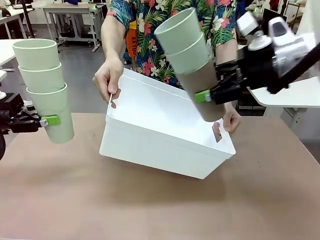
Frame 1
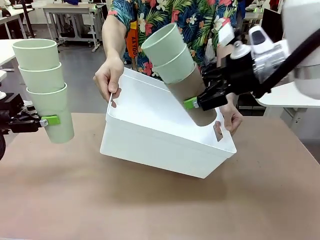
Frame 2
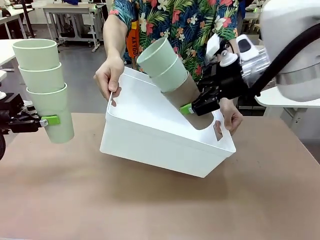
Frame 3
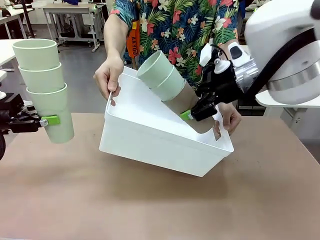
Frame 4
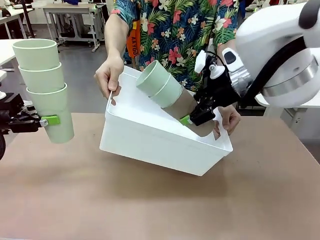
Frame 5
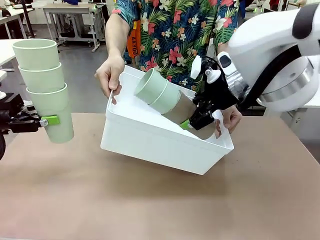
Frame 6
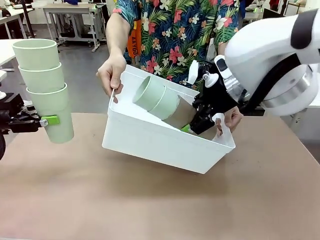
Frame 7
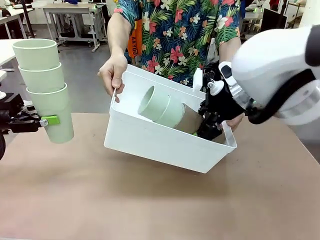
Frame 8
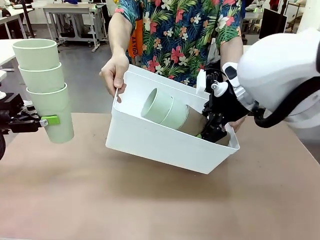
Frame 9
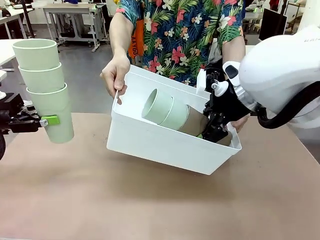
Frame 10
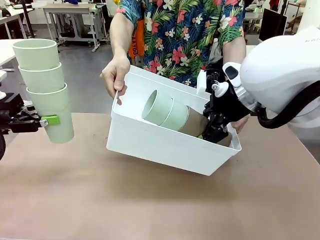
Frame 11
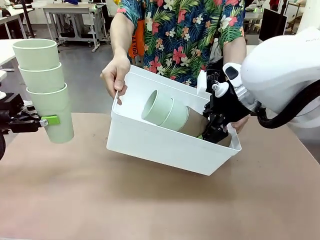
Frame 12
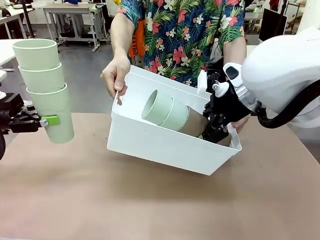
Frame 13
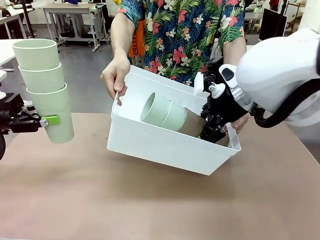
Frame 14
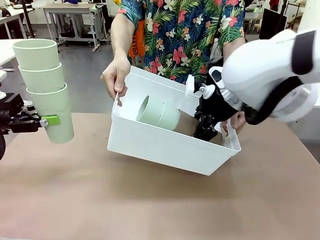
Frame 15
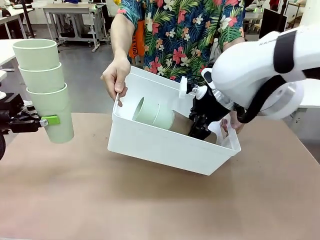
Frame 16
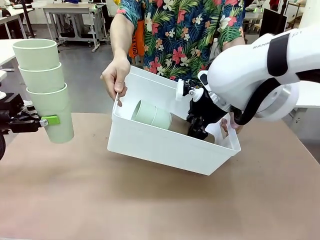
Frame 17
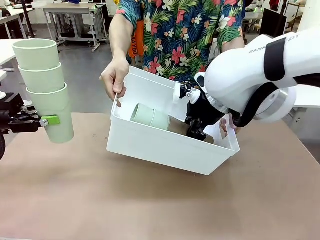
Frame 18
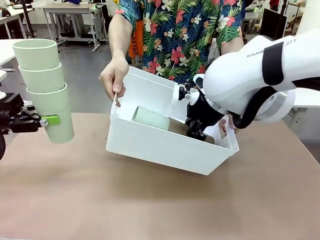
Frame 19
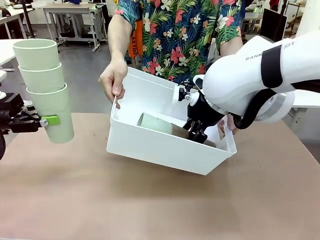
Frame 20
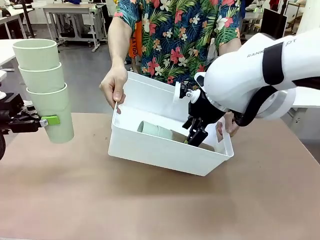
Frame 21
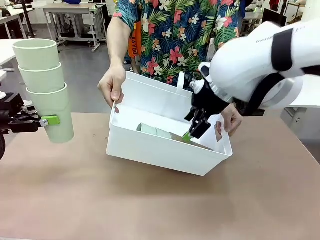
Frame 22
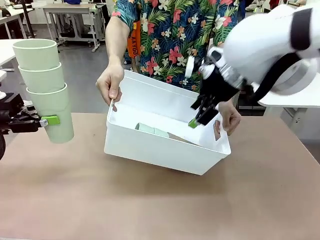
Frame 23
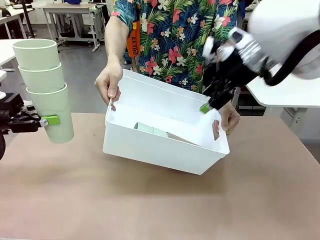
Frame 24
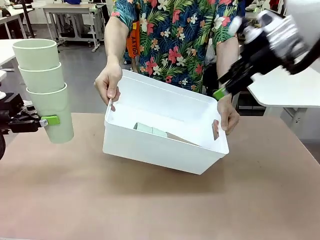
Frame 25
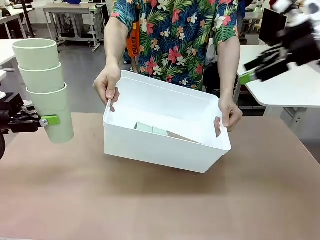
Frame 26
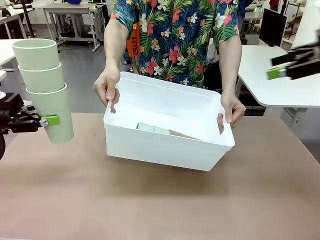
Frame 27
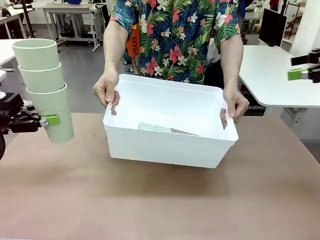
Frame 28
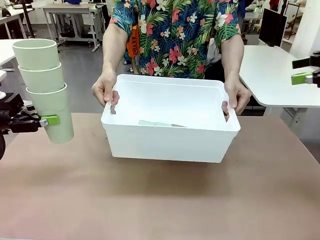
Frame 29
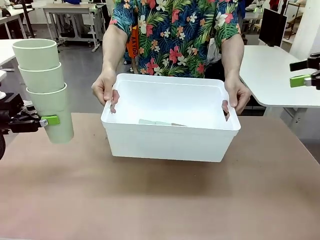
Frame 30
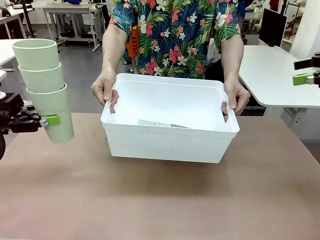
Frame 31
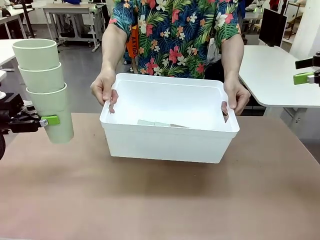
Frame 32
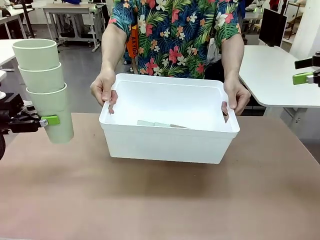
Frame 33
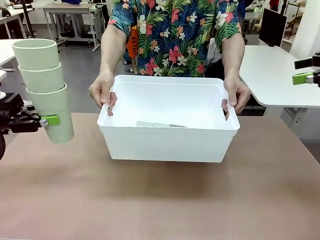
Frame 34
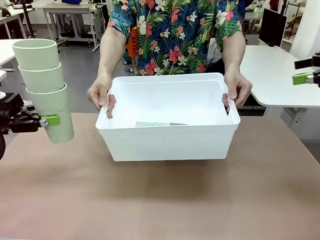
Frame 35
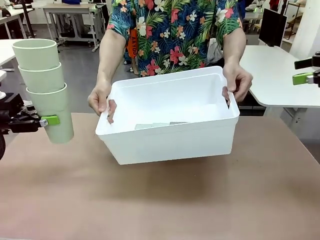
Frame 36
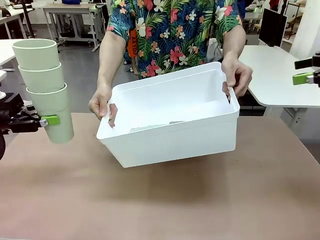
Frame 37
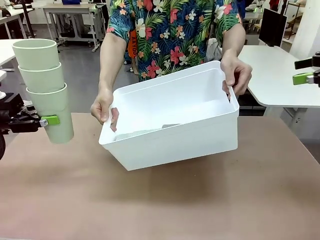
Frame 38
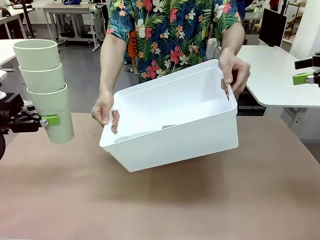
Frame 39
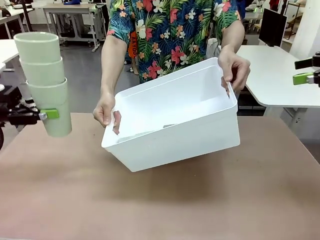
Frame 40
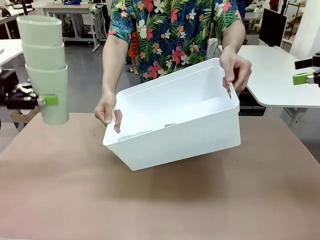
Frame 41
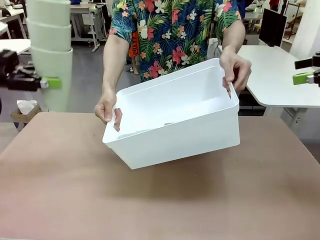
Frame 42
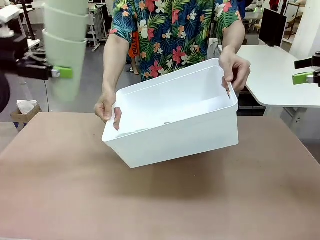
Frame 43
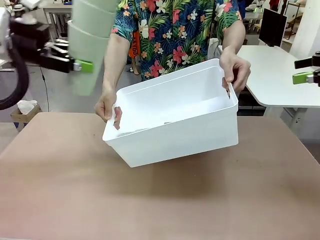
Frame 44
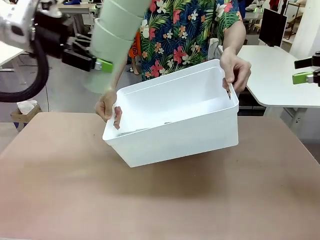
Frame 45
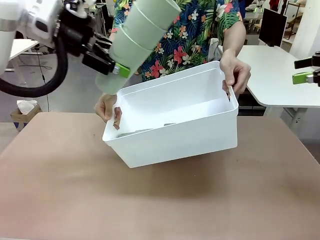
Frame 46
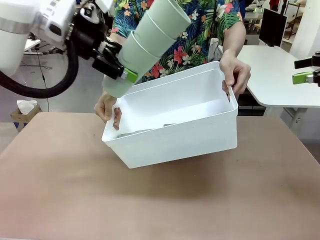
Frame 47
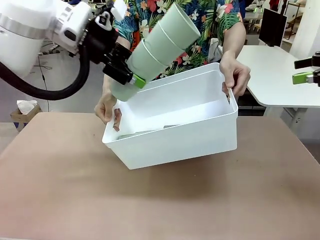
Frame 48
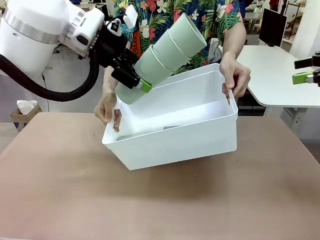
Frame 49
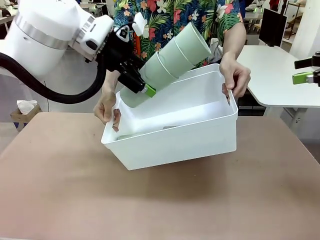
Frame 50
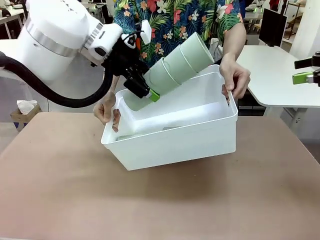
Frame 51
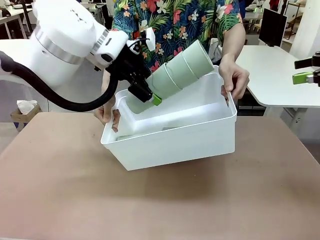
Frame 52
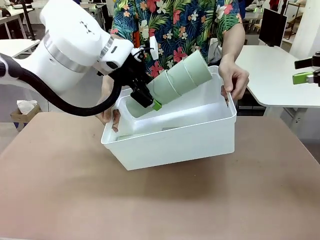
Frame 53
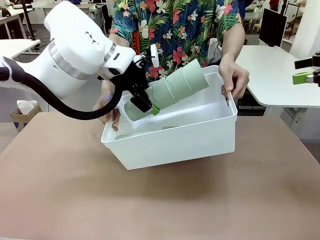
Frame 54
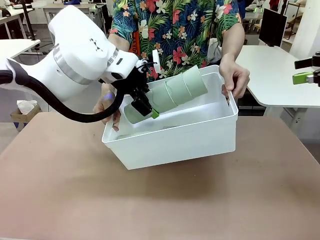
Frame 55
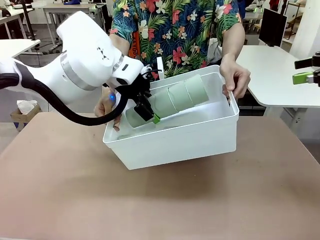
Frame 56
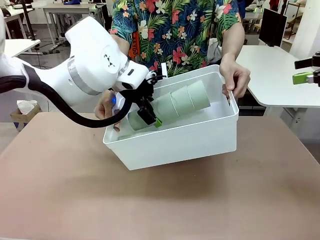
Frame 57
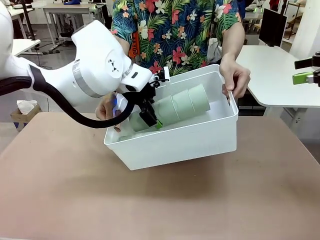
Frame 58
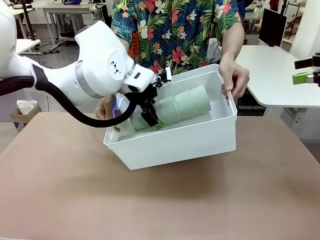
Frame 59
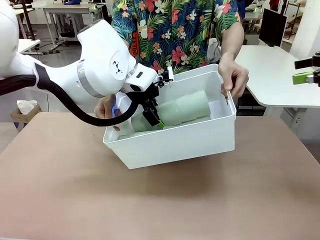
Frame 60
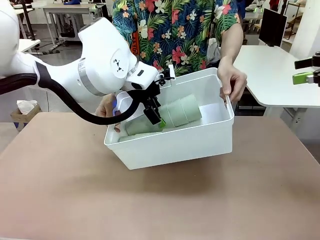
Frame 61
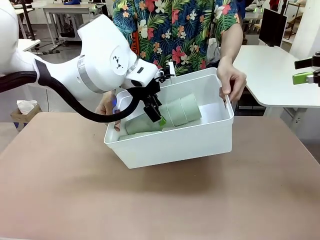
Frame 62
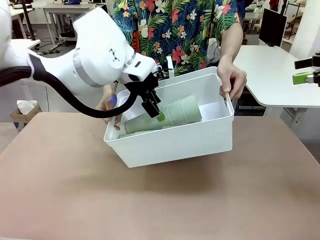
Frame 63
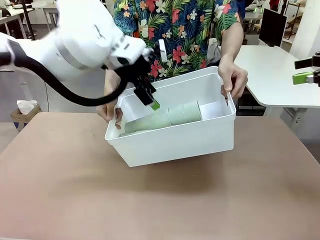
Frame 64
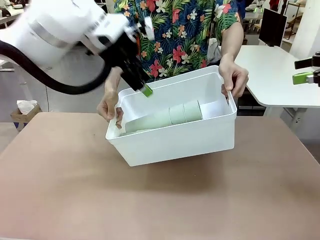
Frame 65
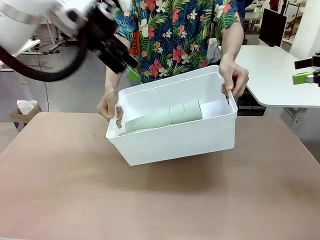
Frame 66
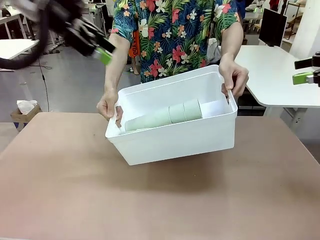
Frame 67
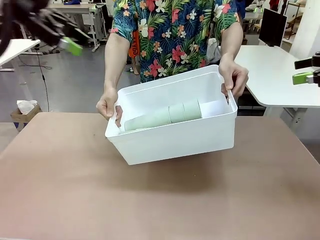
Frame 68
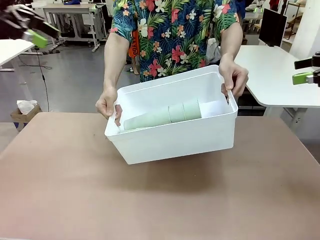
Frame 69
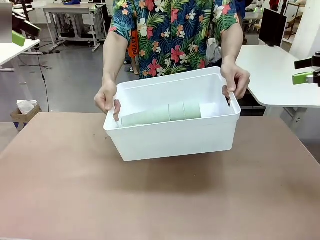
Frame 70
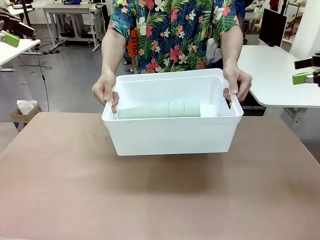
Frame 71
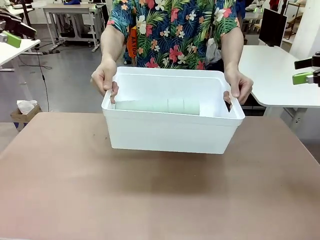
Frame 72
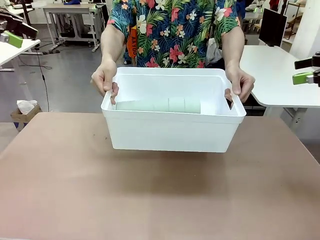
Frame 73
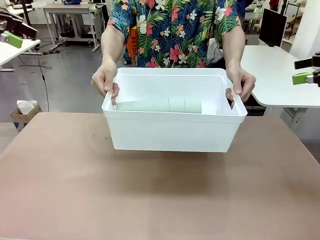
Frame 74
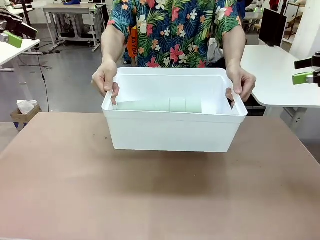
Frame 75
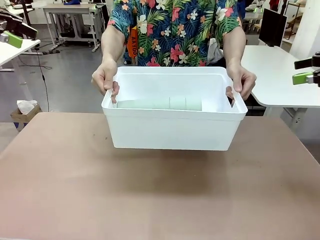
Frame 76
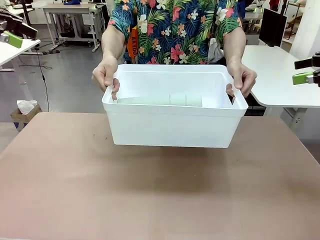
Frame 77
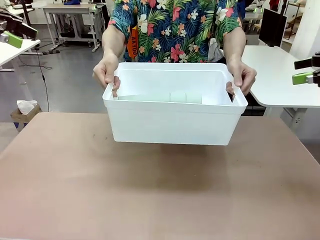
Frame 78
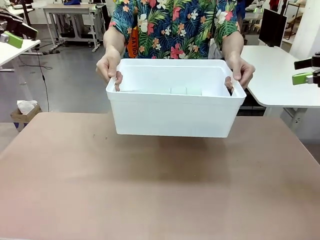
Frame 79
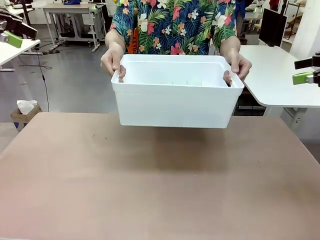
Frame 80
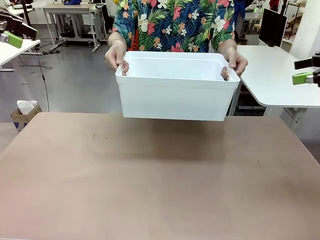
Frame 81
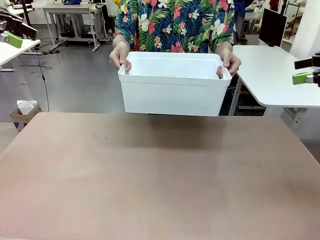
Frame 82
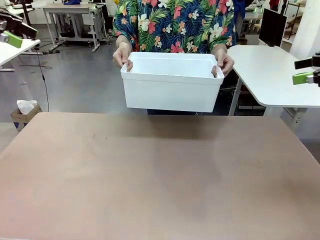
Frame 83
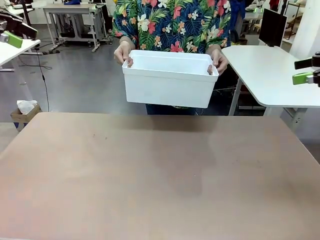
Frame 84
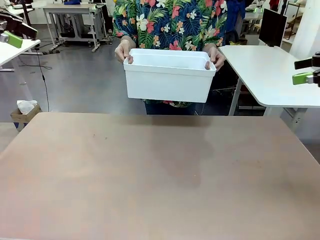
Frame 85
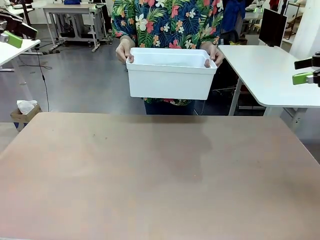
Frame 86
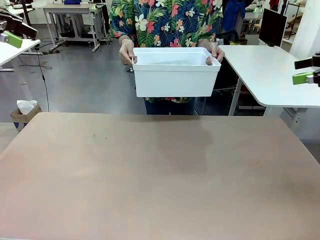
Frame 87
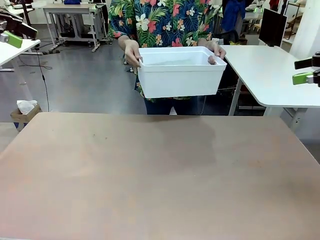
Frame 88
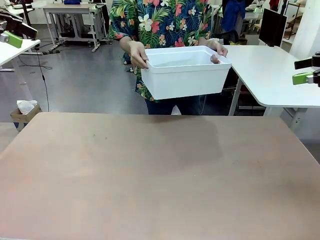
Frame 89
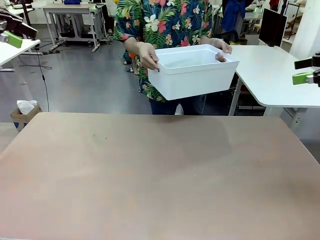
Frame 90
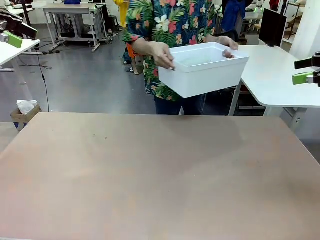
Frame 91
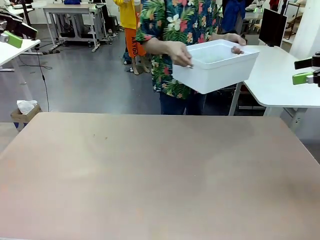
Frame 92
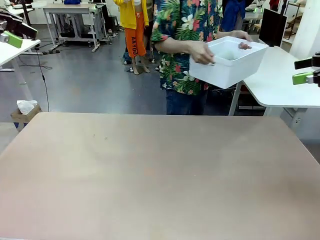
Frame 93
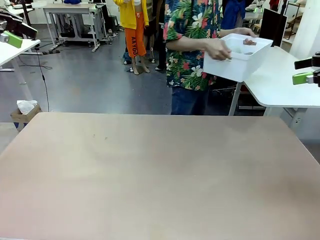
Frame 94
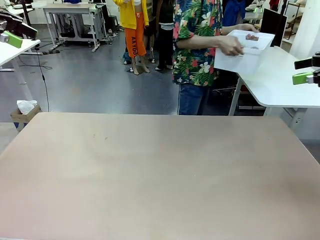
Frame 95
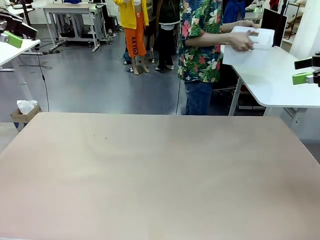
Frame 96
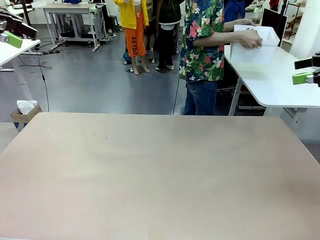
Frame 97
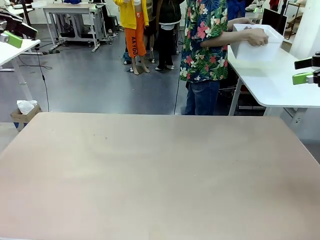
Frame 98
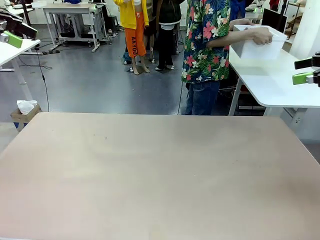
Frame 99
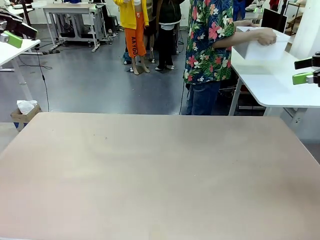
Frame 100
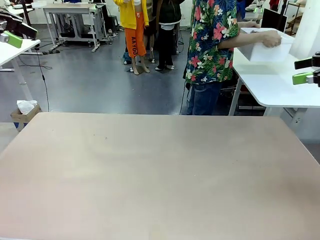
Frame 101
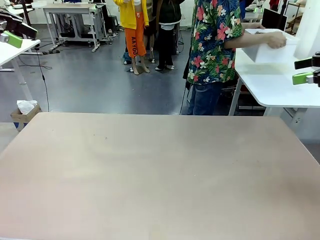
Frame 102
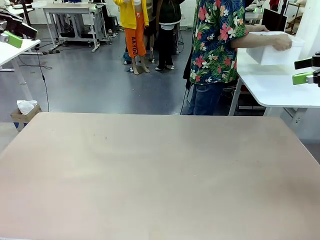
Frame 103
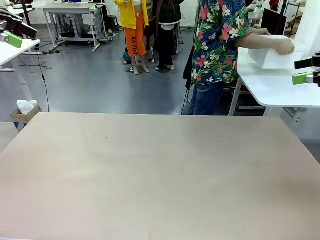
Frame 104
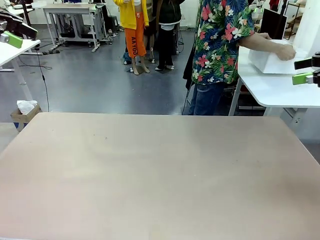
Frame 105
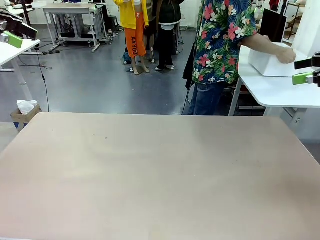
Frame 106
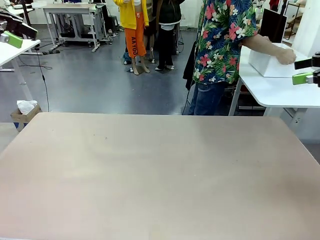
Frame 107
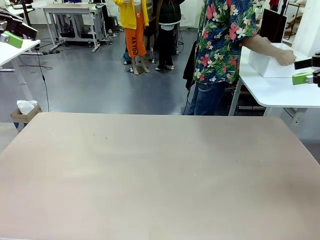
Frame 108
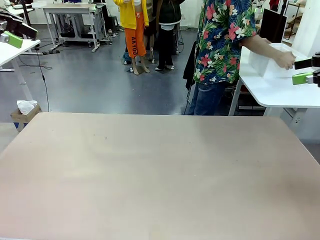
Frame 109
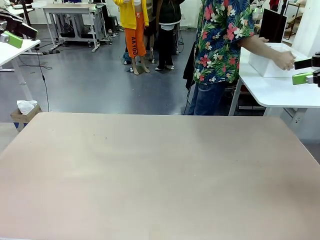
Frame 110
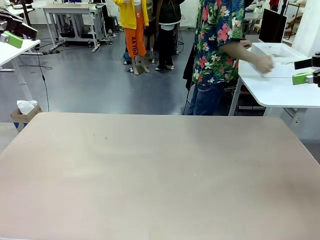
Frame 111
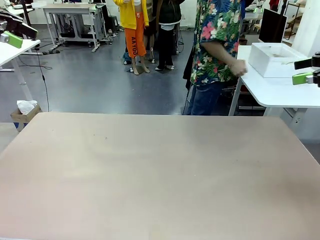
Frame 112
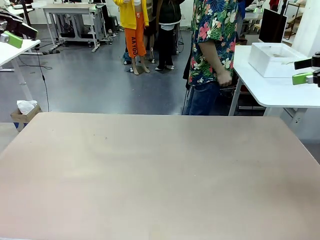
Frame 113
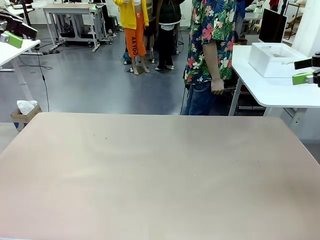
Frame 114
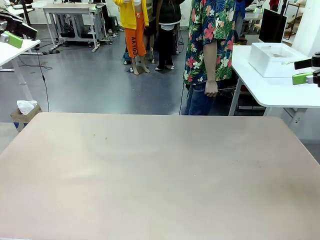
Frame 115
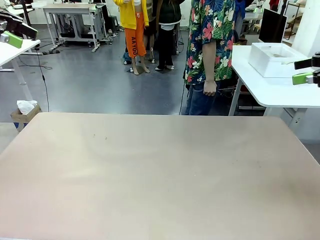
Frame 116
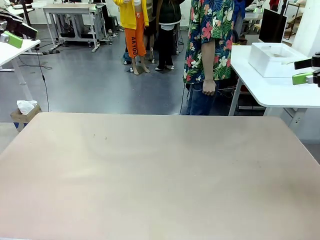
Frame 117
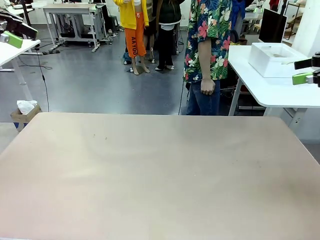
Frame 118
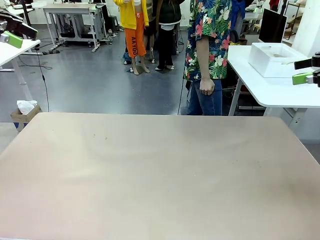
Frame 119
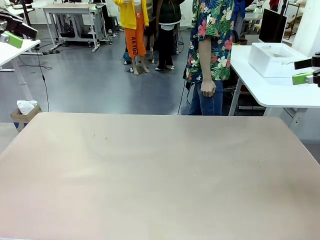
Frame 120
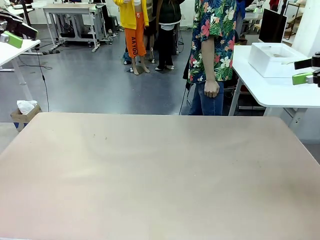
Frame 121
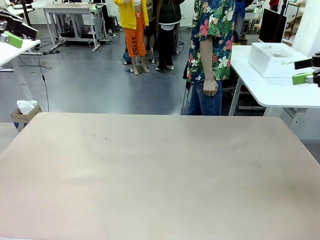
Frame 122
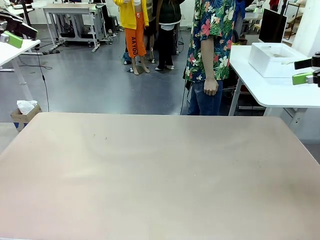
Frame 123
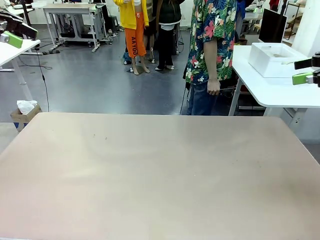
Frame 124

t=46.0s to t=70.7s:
Task: Stack the cups and store them in the basket.
Robot: Place the stack of Reusable plastic cups into the Pantry Basket.
Person: Place the basket containing the cups in the middle of the Human Table.
